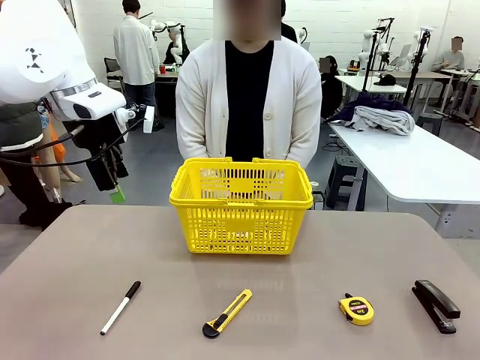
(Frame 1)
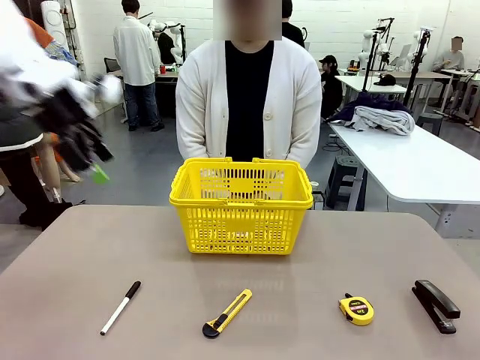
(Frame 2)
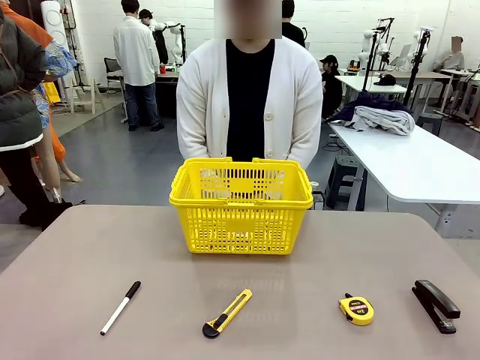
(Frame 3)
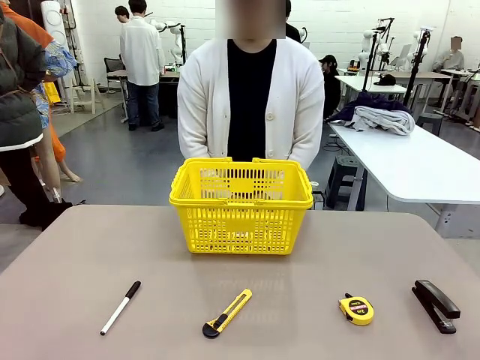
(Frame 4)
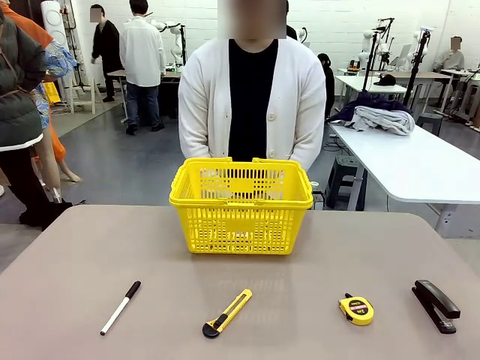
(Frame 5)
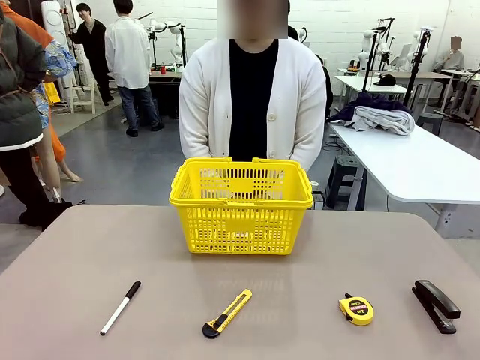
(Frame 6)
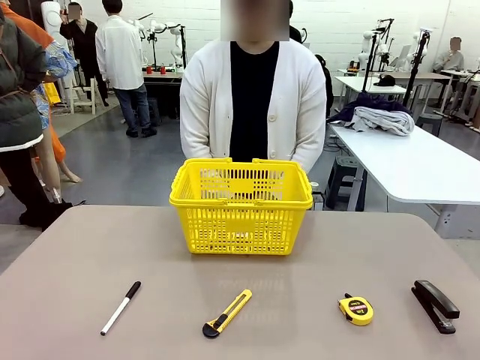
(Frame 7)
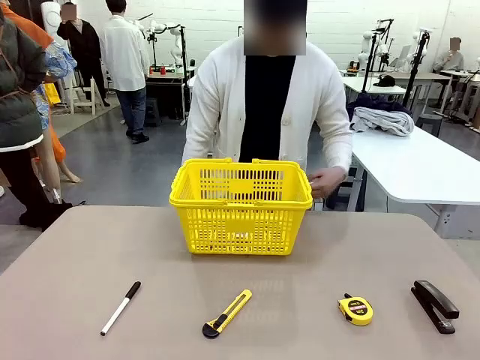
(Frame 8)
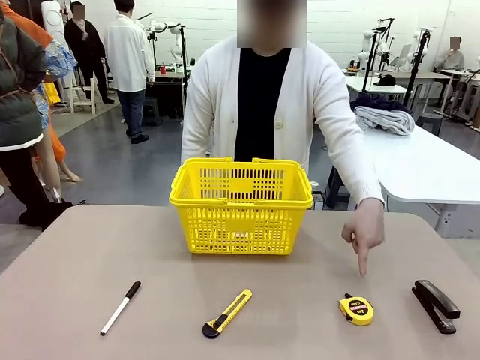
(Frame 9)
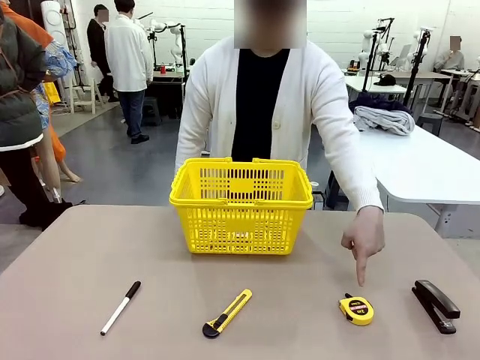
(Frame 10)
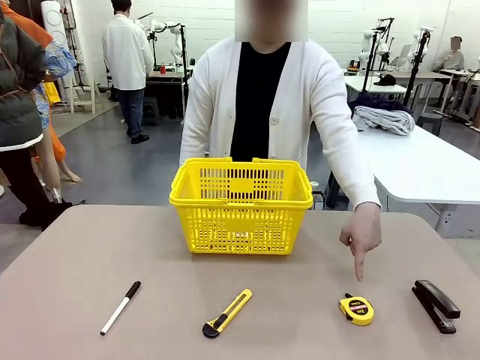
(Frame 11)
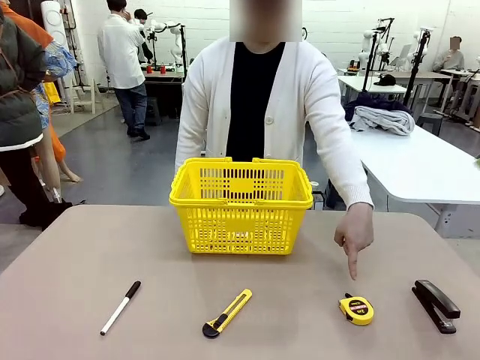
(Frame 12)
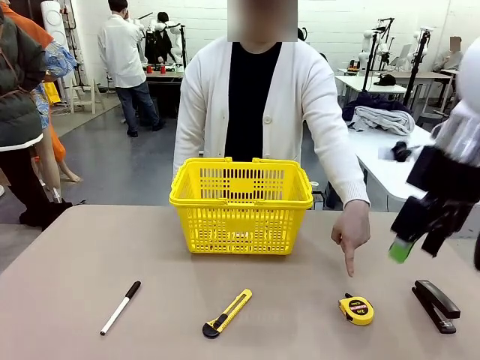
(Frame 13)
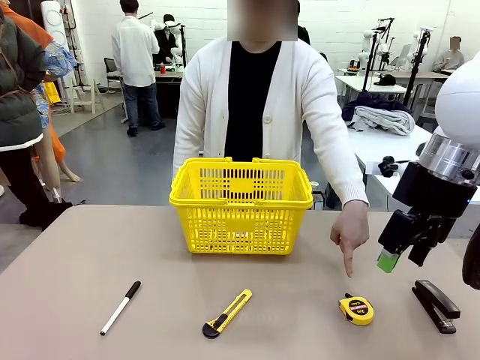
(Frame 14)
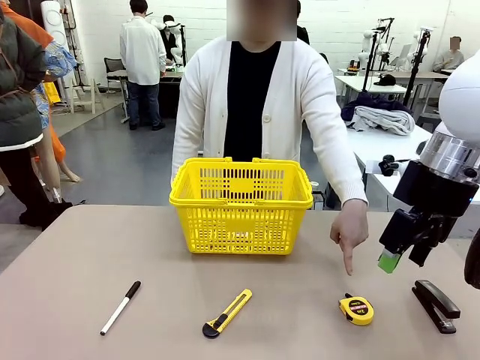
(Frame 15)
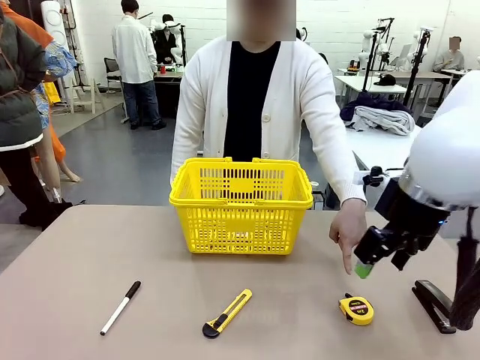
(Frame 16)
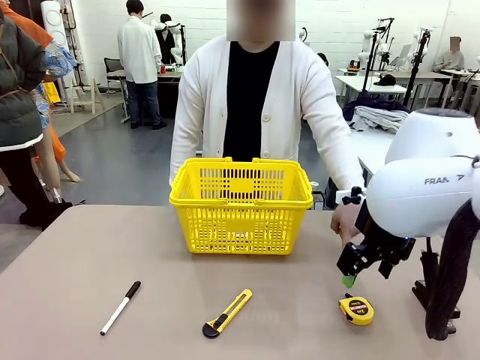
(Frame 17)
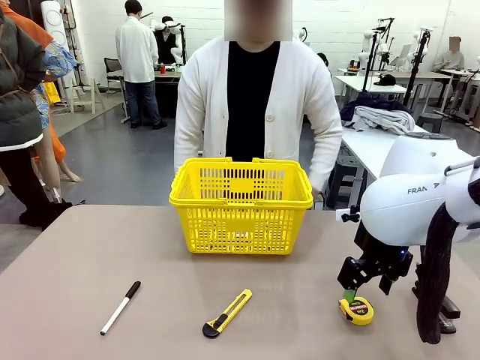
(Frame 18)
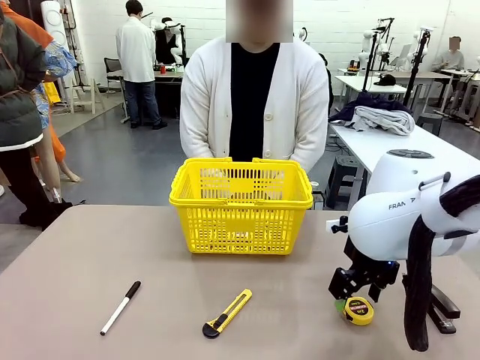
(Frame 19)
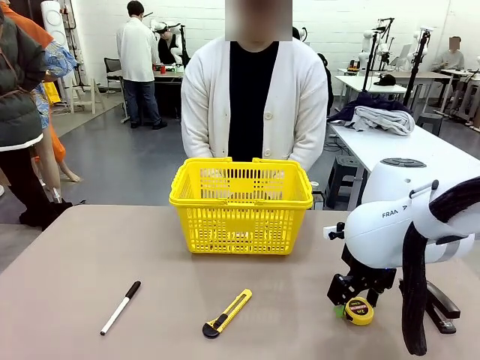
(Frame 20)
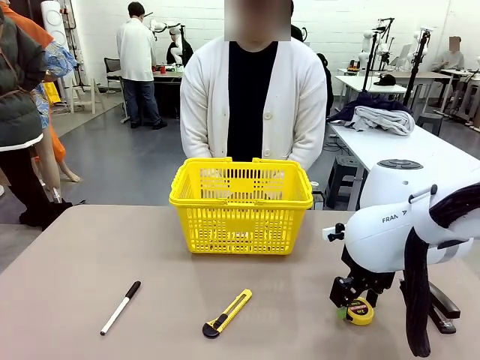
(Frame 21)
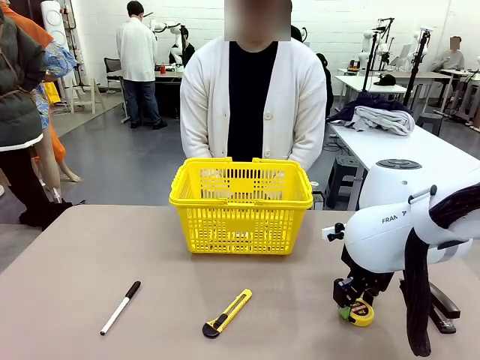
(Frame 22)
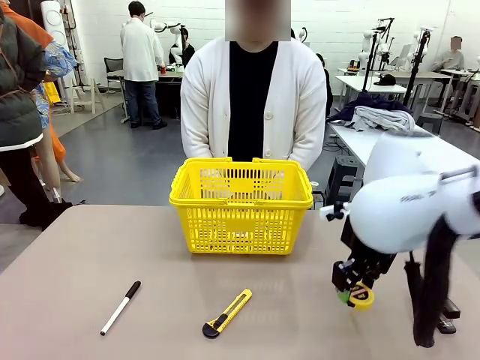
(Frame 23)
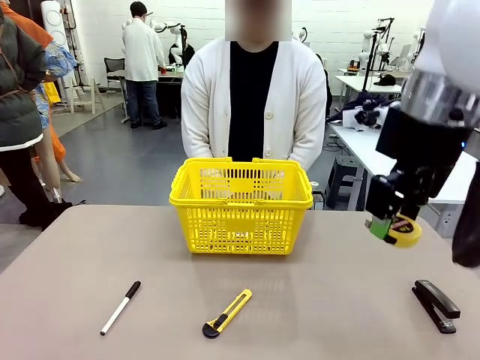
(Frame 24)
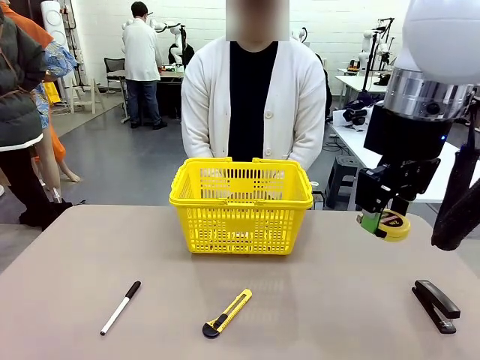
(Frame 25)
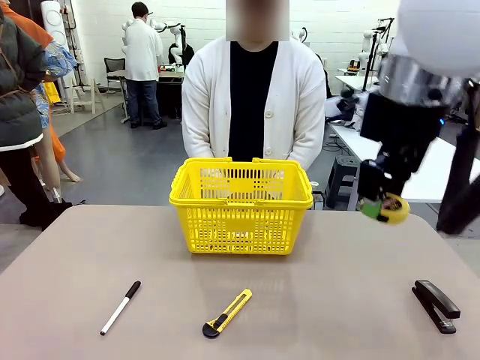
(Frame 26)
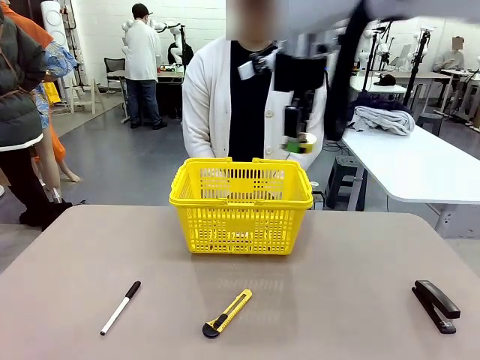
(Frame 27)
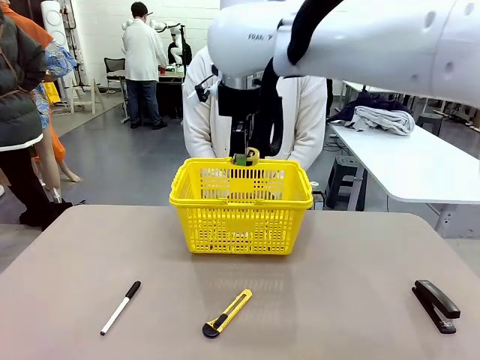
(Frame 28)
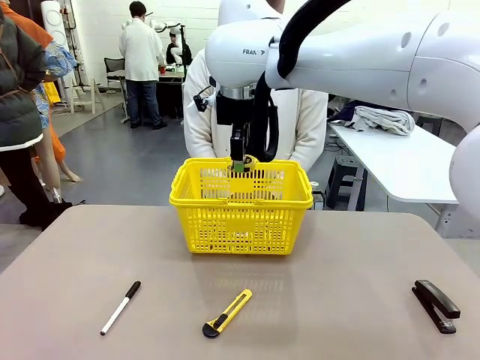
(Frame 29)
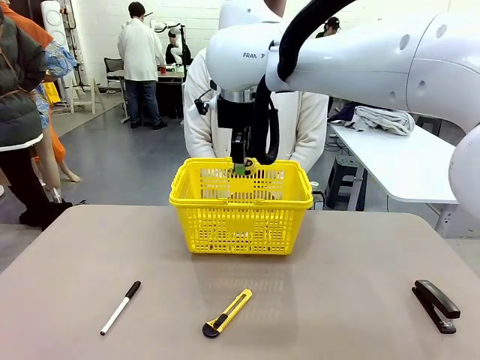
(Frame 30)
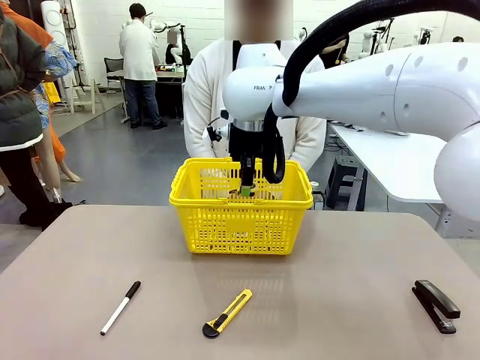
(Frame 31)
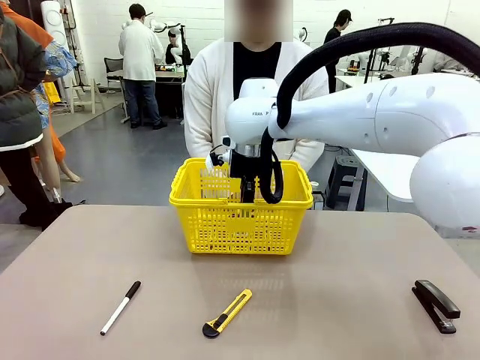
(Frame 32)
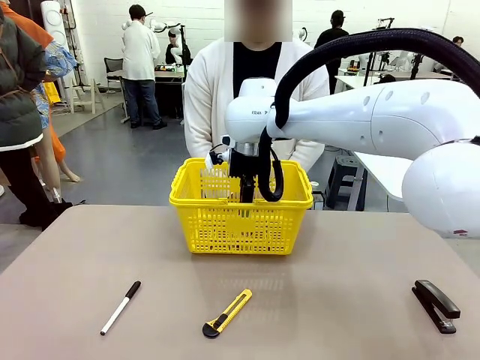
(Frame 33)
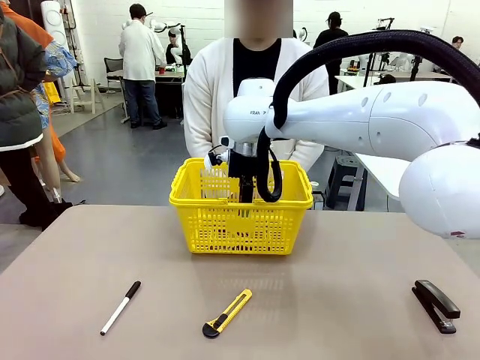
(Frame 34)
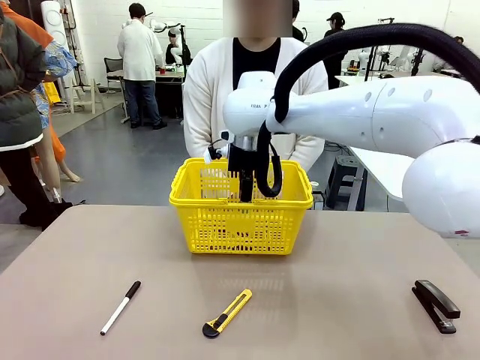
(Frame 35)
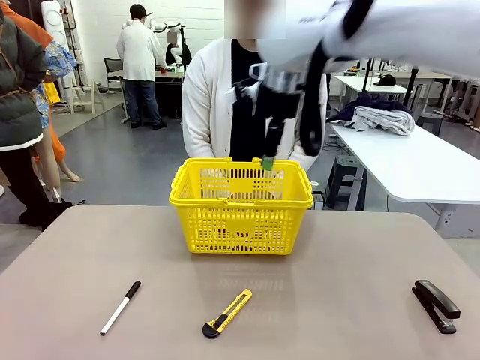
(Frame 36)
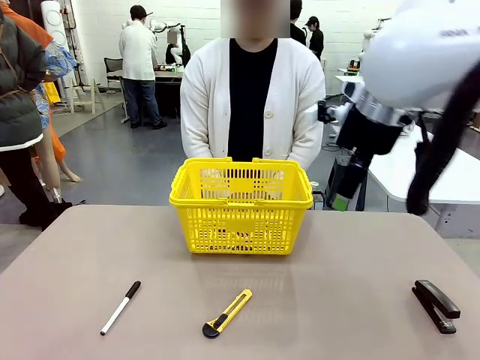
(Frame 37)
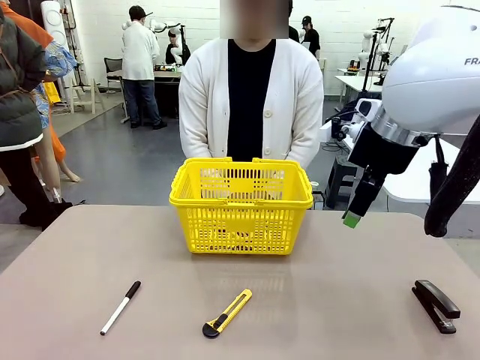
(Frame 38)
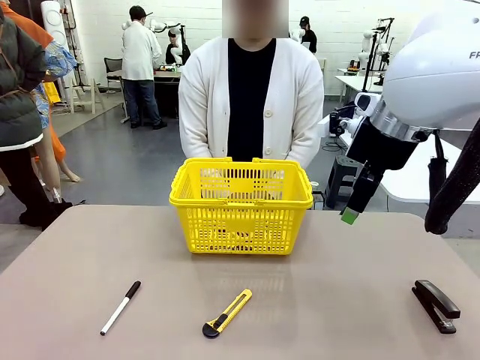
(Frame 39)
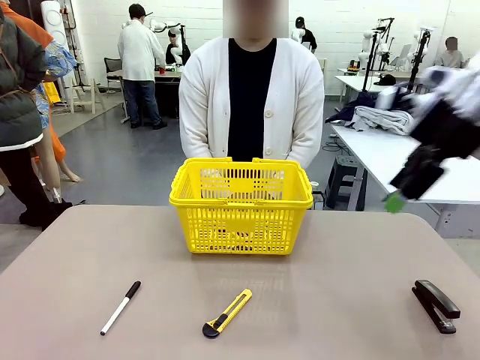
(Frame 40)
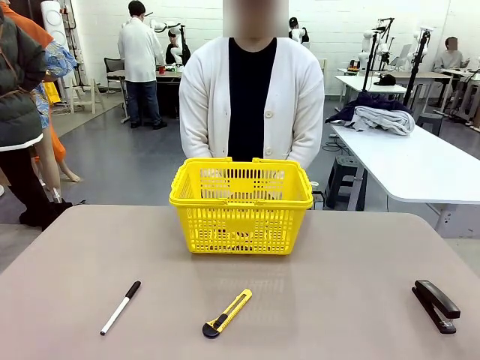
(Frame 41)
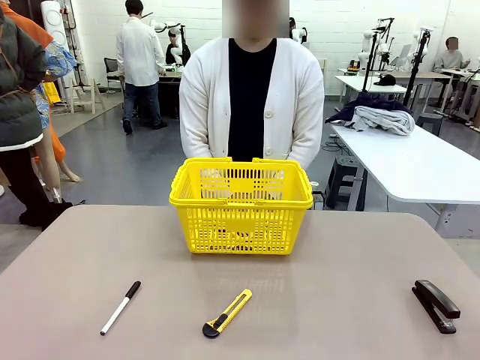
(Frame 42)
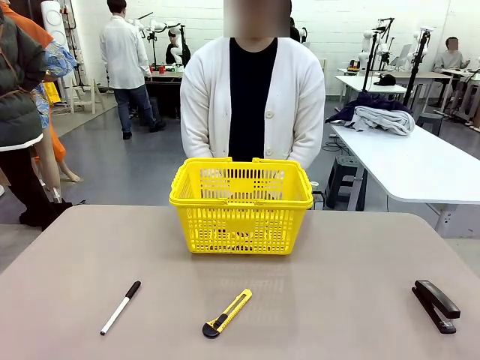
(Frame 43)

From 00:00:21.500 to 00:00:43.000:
Task: Place the items the person wants into the basket.
Robot: Pick up the item the person points to and place it in the Market Basket.

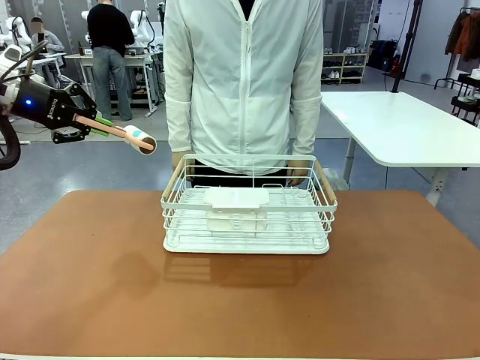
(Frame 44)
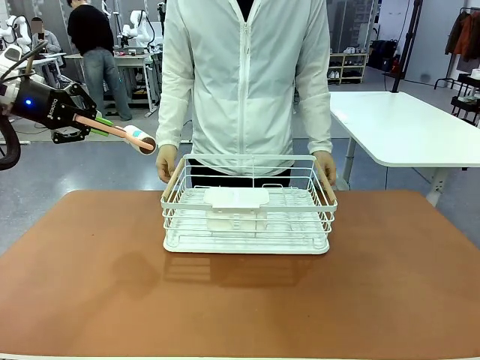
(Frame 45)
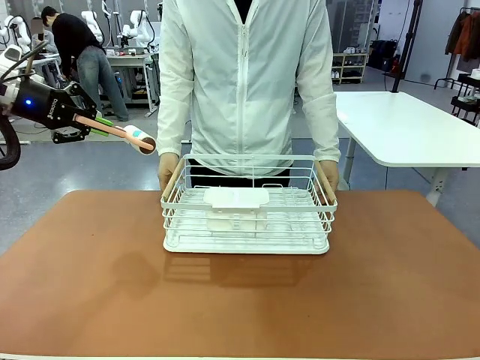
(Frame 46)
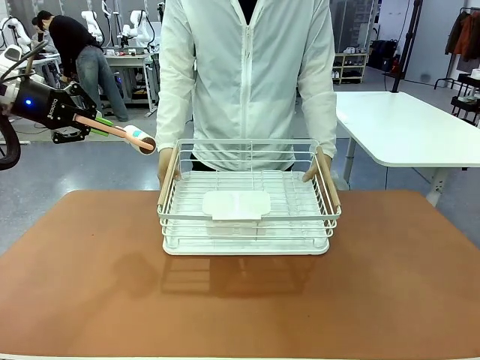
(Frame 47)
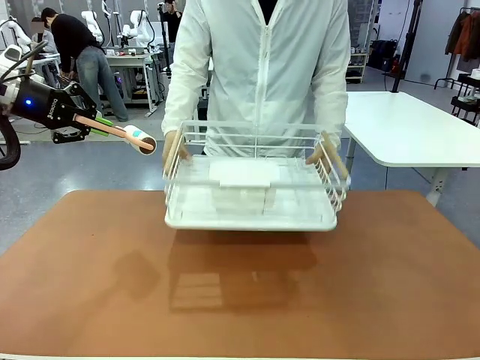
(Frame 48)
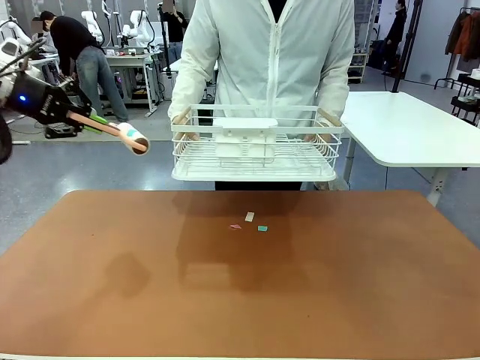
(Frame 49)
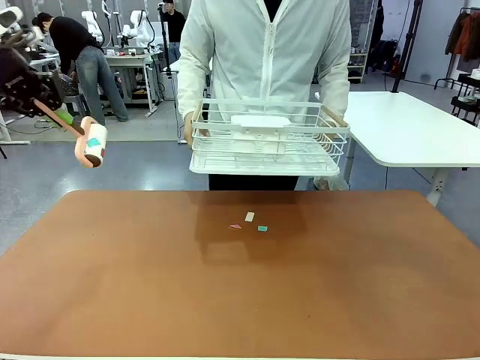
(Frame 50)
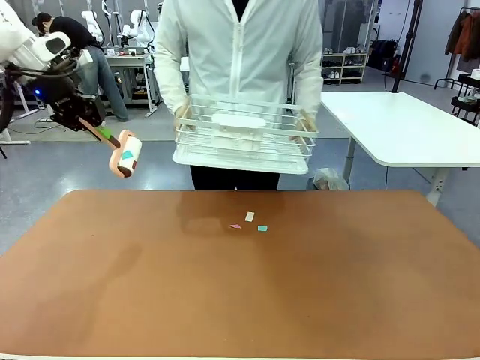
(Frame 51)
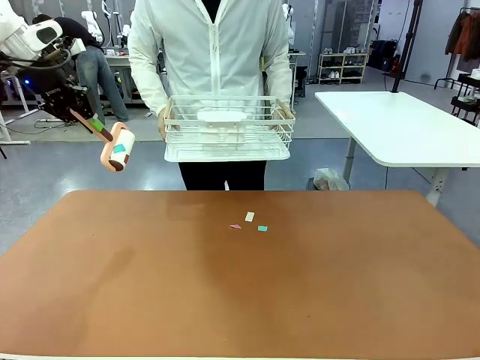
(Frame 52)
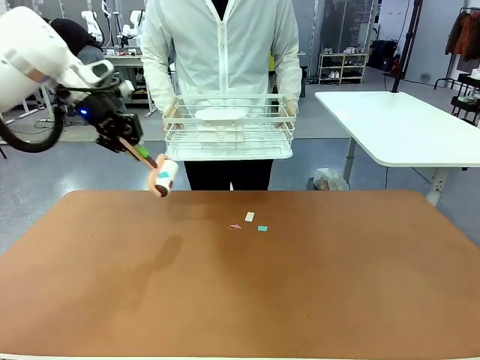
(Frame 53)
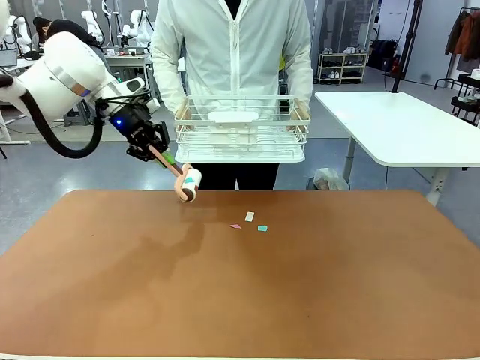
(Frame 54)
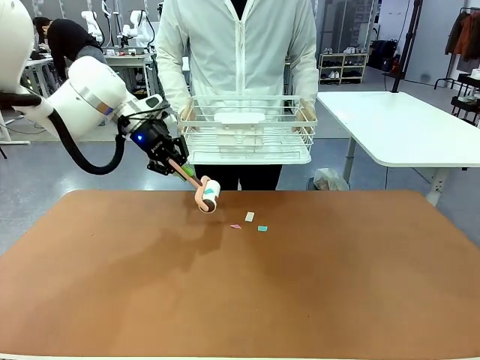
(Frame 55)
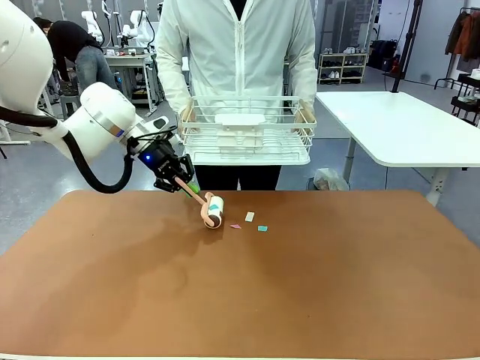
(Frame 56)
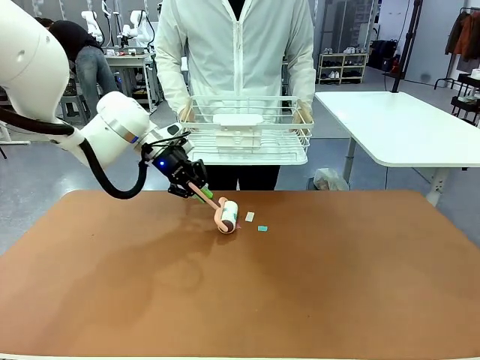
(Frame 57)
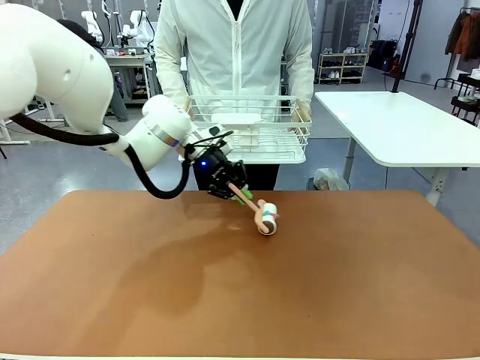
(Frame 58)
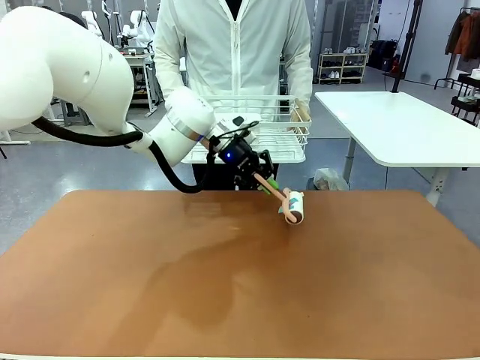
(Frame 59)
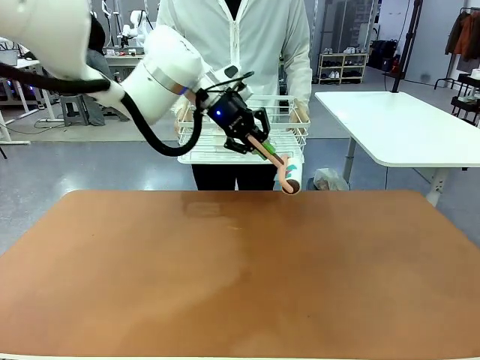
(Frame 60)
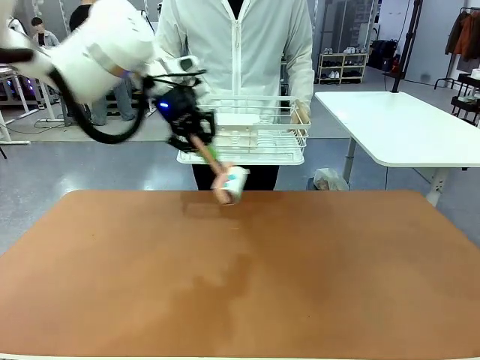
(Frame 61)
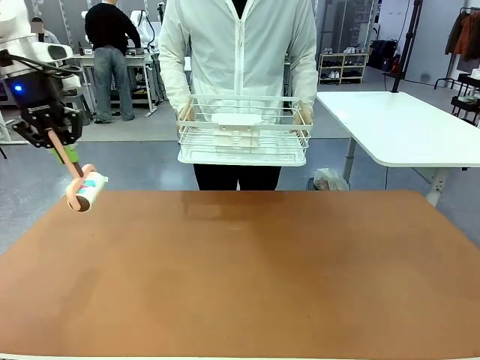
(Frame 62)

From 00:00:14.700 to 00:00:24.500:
Task: Clean the table.
Robot: Clean the table with the Lint Roller when the human lifts the Dish drying rack.
